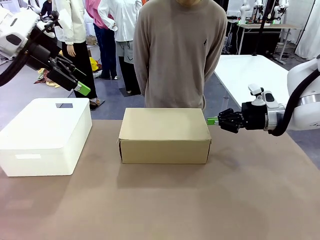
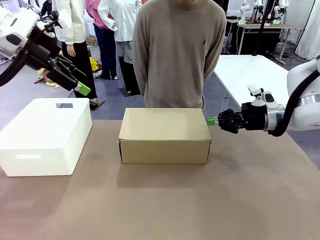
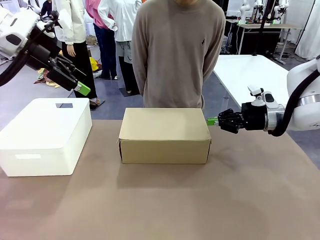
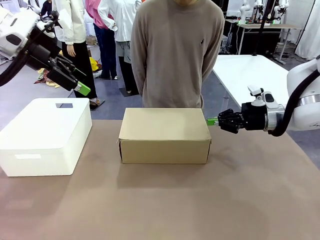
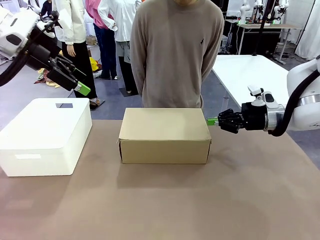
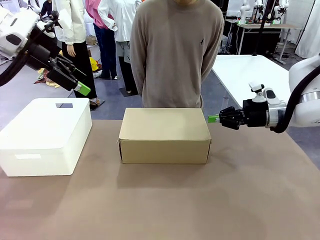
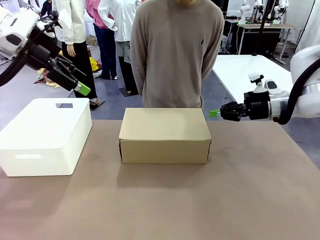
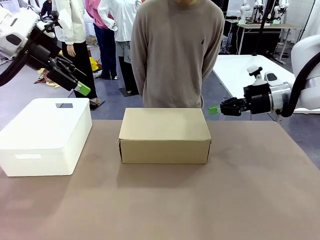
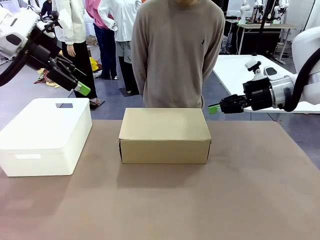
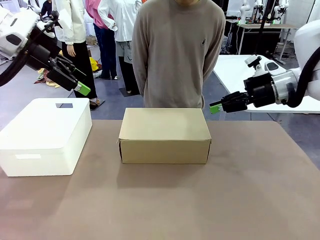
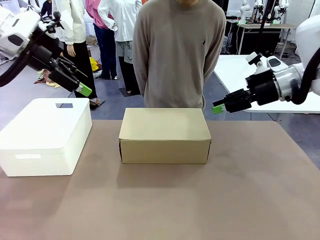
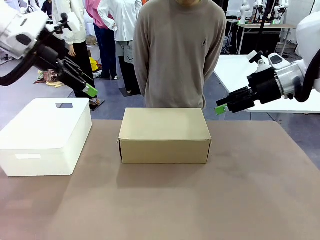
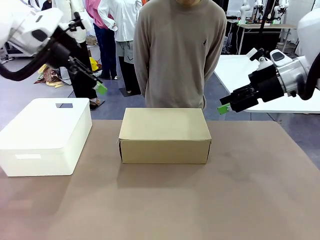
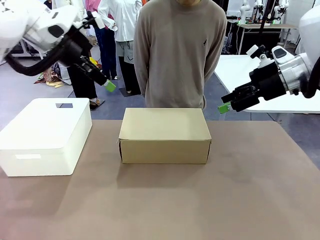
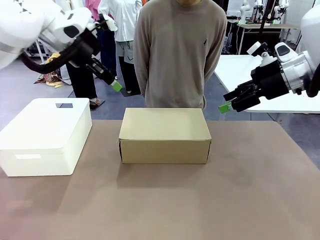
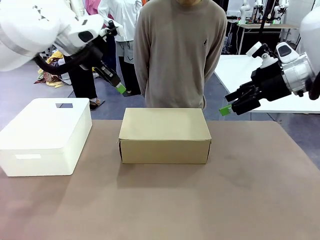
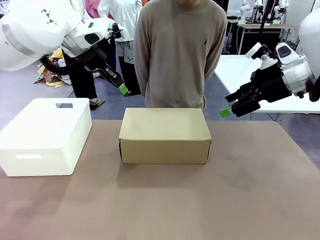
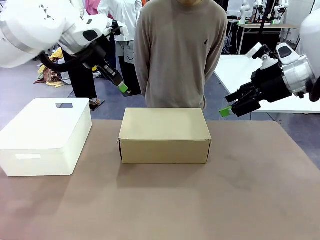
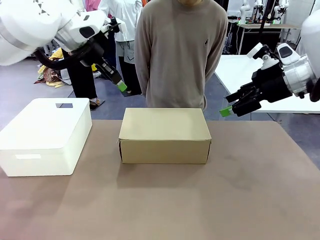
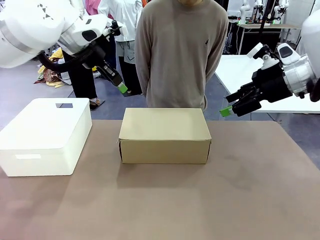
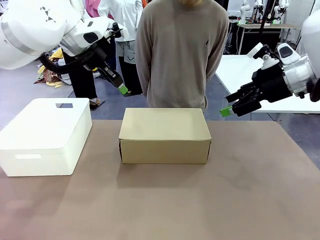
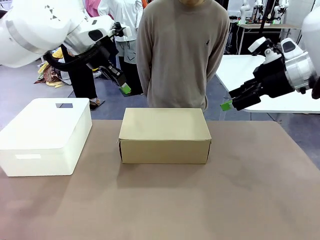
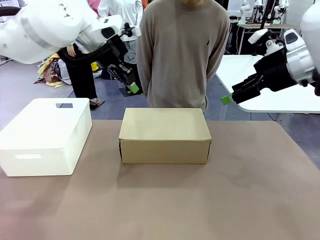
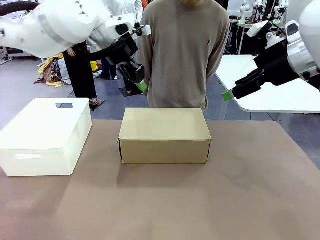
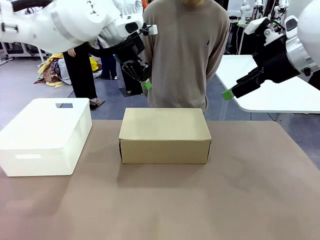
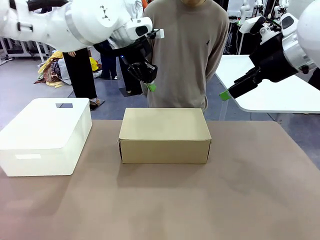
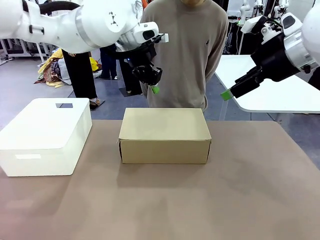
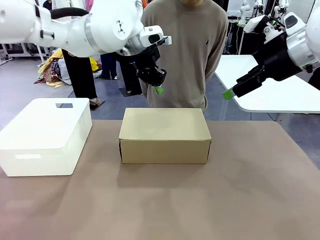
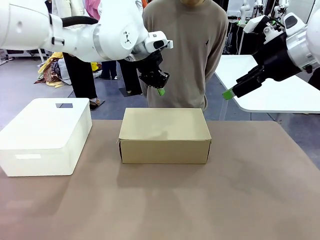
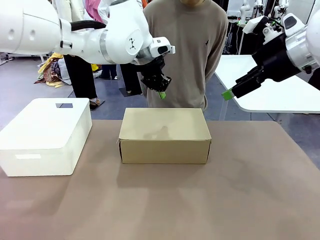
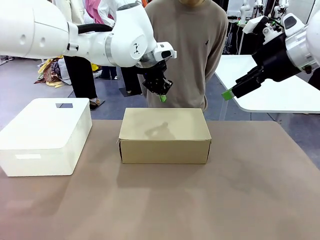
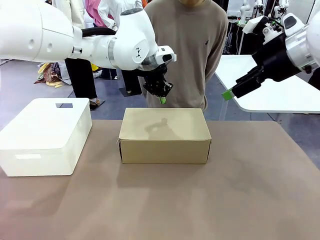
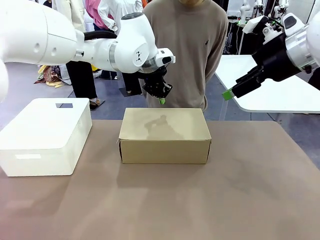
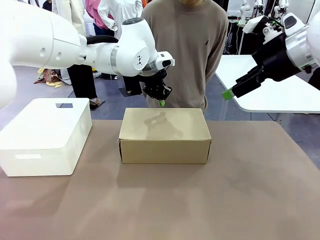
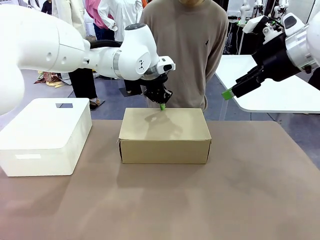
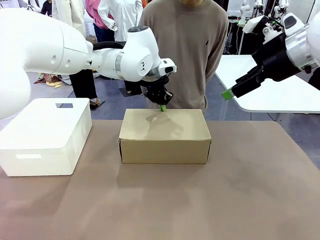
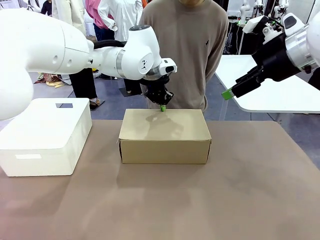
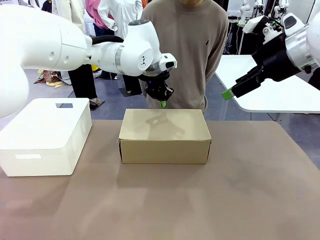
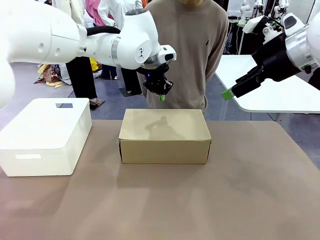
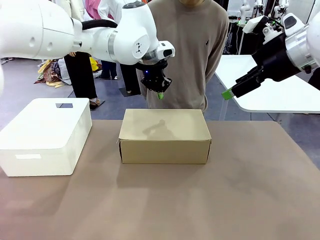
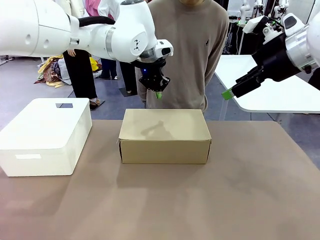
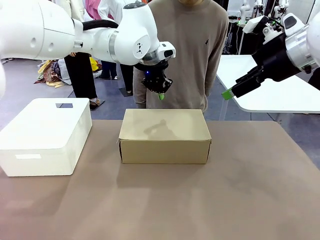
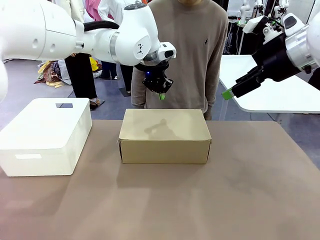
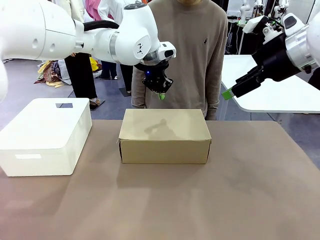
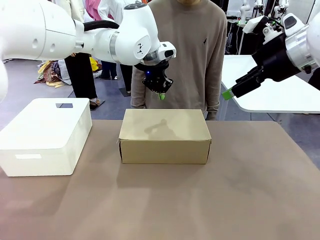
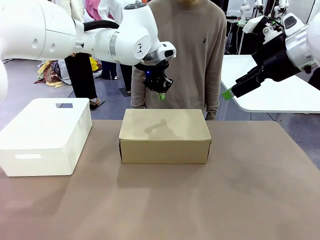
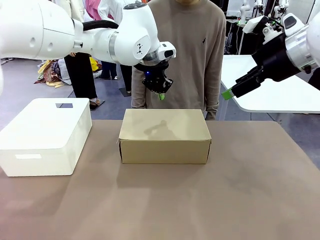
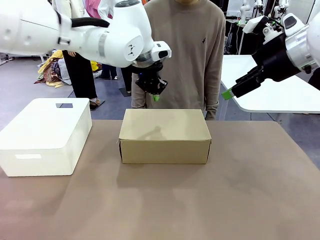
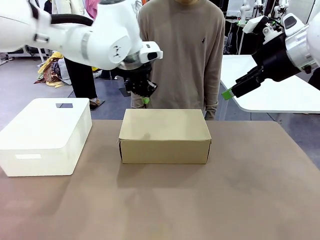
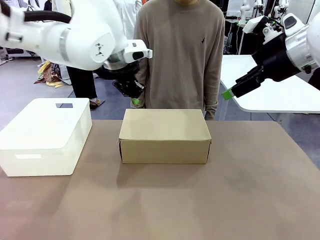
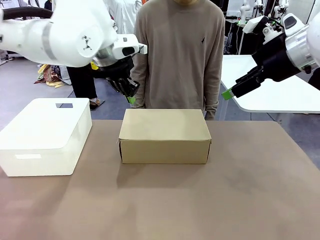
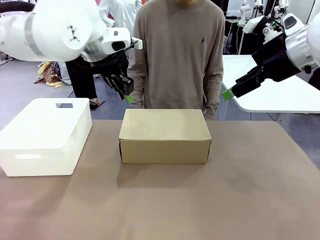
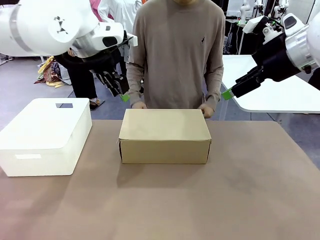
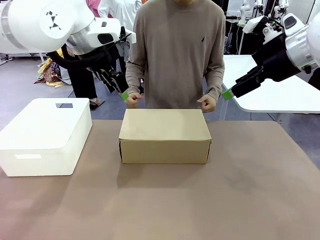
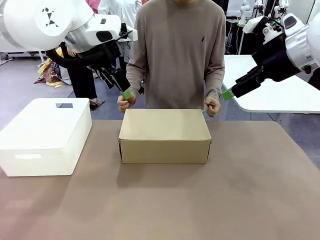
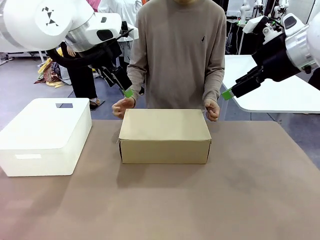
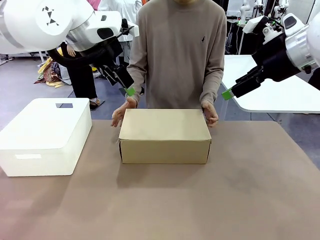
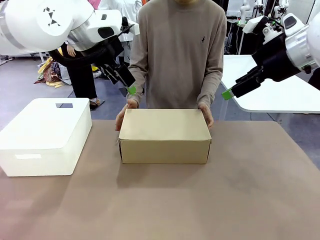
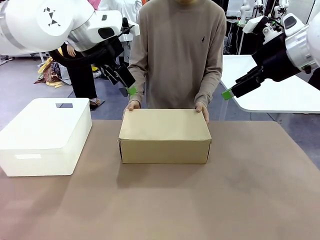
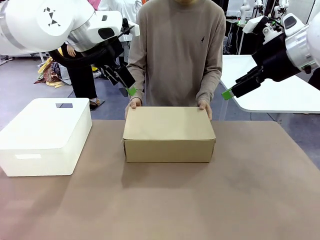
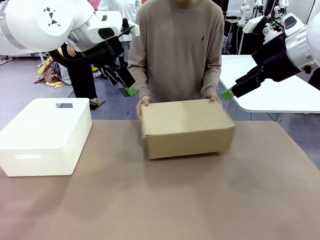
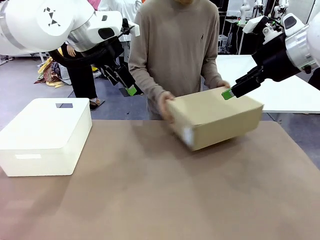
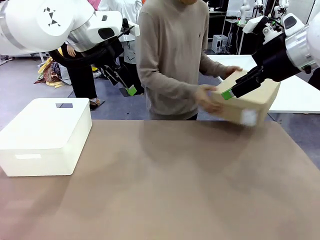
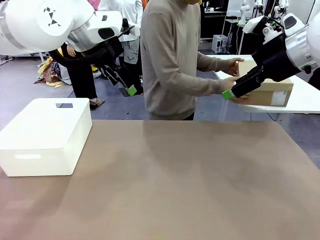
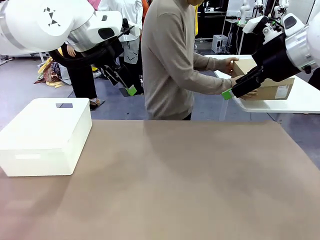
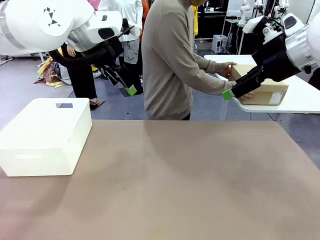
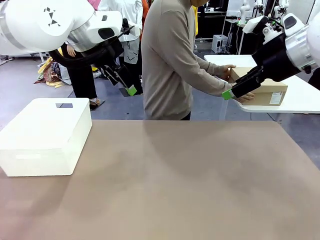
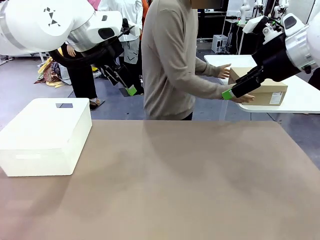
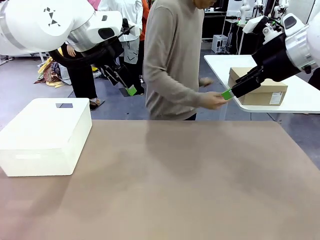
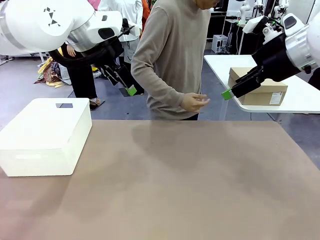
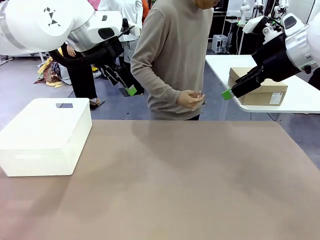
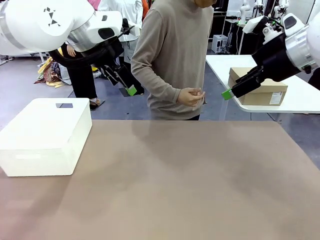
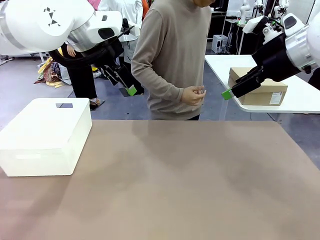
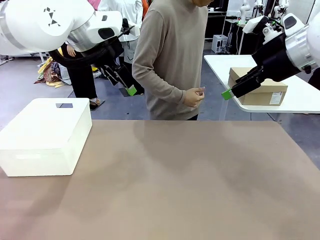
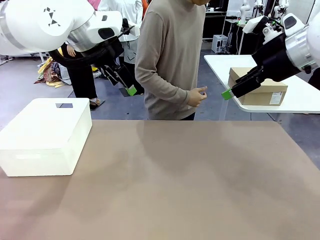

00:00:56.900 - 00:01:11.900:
Task: Pack the shoes into the box.
Robot: Press down on the lid of the Shoes Box.
Person: Place the closed Shoes Box to the right side of the human table.
